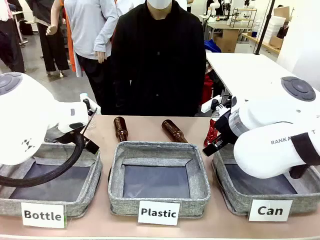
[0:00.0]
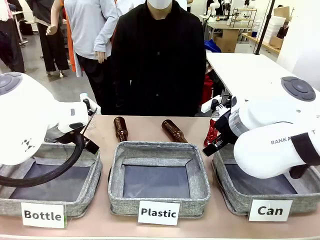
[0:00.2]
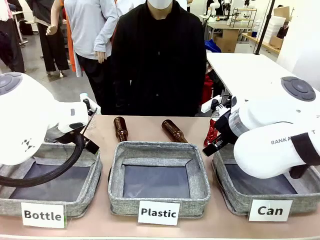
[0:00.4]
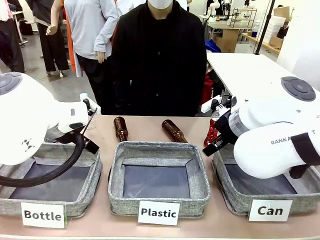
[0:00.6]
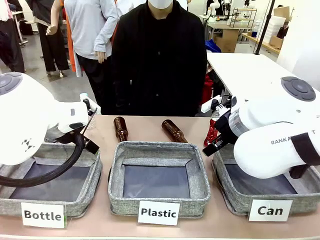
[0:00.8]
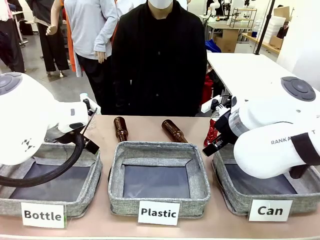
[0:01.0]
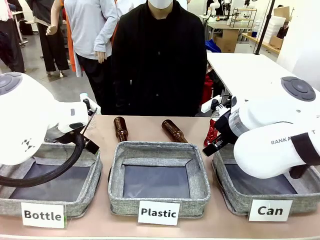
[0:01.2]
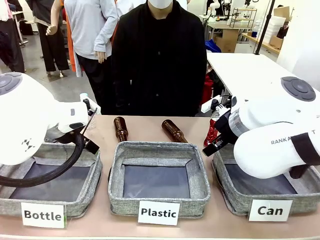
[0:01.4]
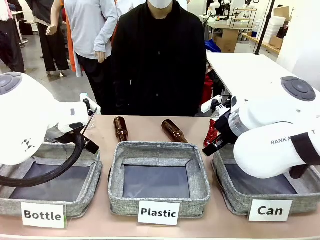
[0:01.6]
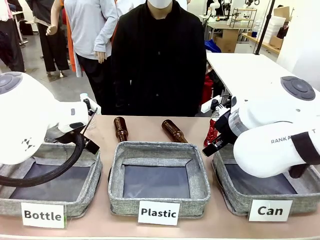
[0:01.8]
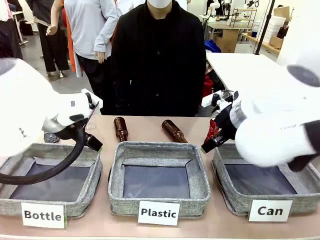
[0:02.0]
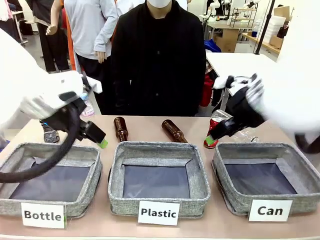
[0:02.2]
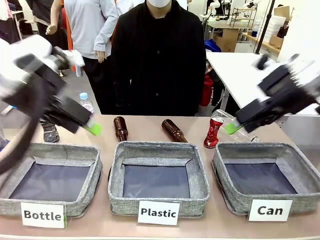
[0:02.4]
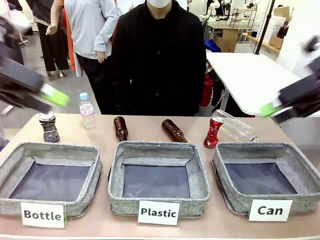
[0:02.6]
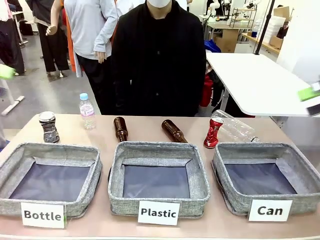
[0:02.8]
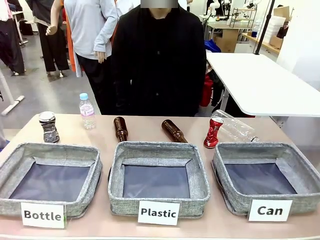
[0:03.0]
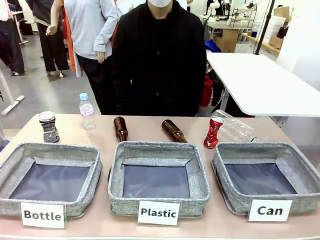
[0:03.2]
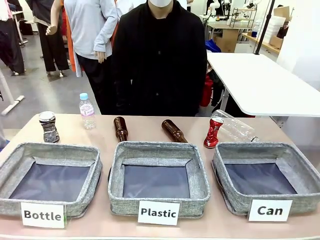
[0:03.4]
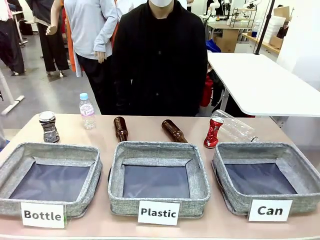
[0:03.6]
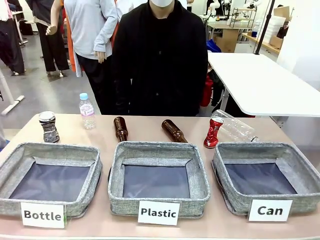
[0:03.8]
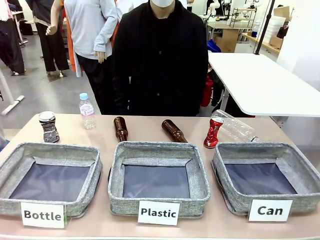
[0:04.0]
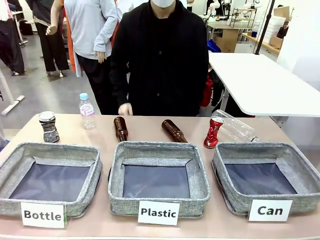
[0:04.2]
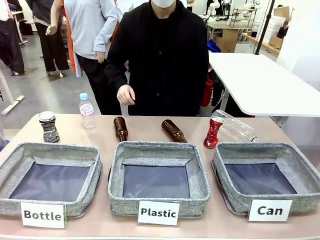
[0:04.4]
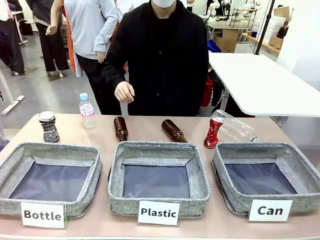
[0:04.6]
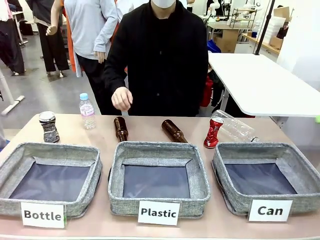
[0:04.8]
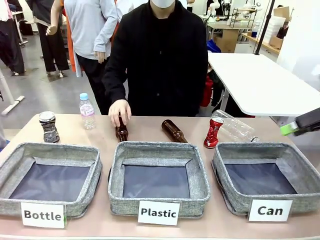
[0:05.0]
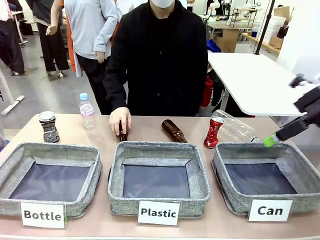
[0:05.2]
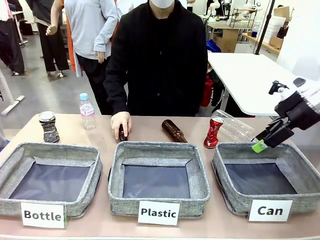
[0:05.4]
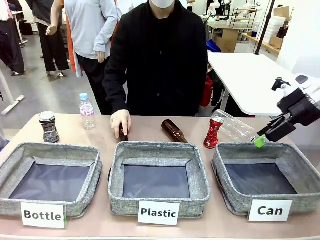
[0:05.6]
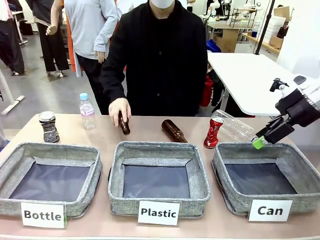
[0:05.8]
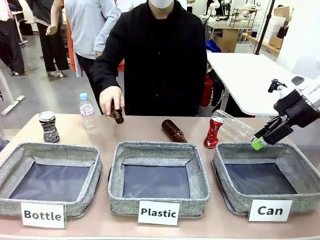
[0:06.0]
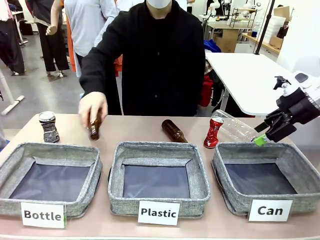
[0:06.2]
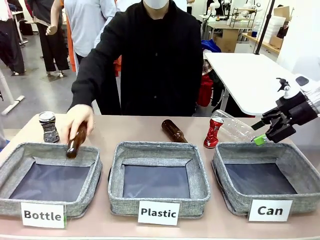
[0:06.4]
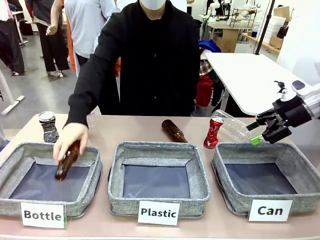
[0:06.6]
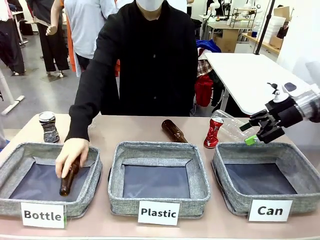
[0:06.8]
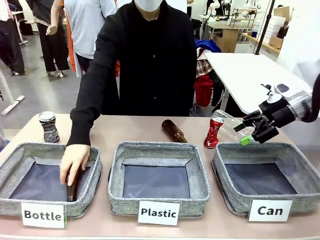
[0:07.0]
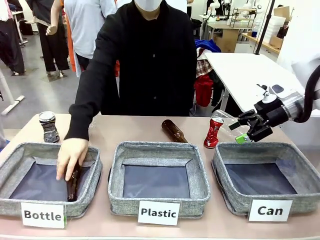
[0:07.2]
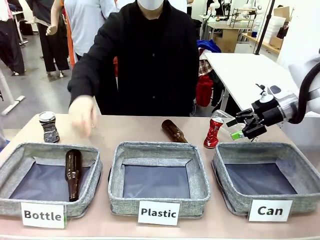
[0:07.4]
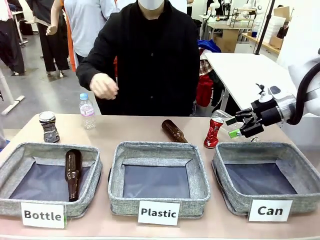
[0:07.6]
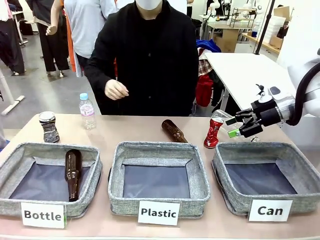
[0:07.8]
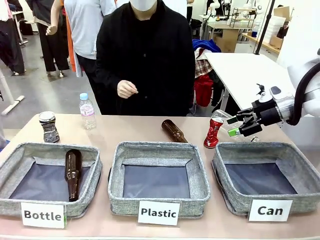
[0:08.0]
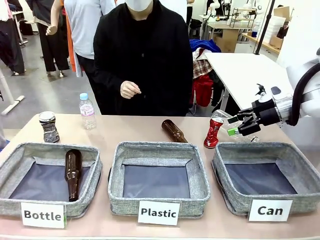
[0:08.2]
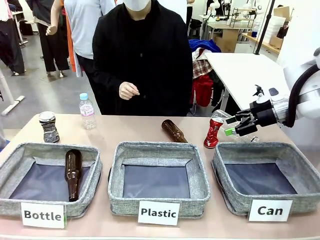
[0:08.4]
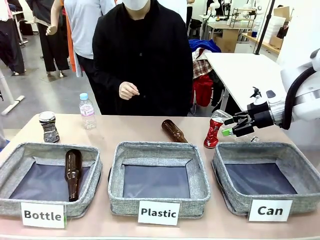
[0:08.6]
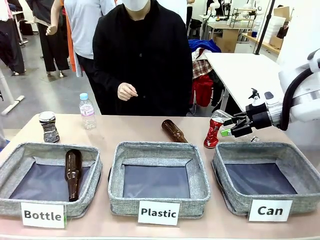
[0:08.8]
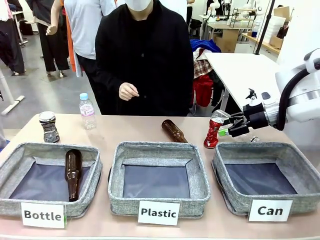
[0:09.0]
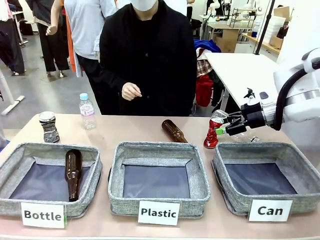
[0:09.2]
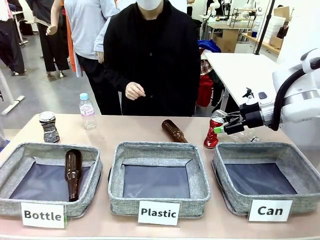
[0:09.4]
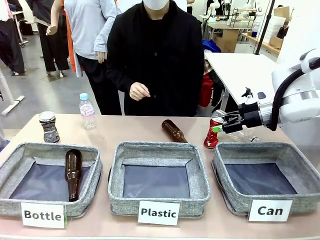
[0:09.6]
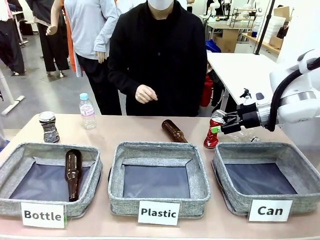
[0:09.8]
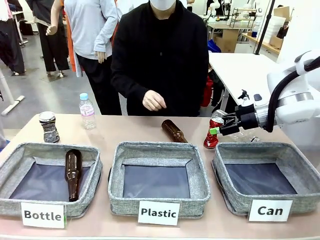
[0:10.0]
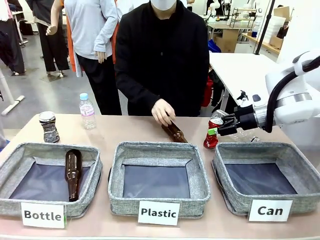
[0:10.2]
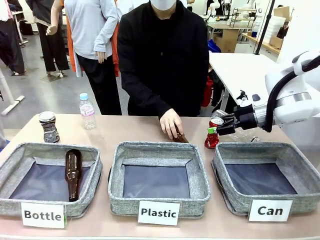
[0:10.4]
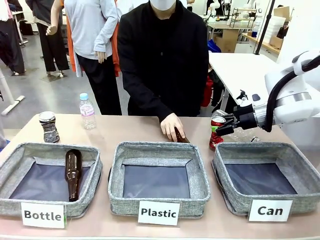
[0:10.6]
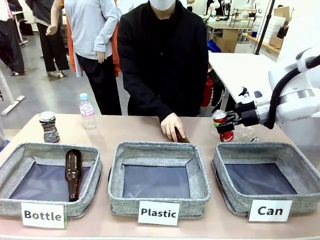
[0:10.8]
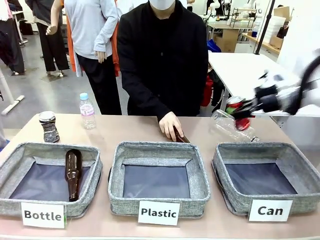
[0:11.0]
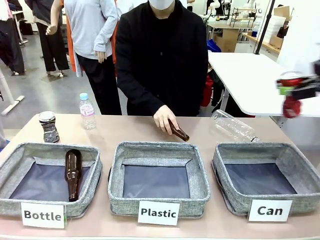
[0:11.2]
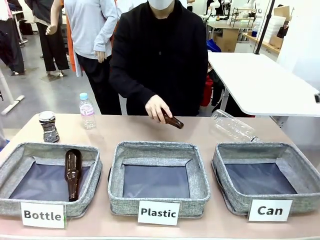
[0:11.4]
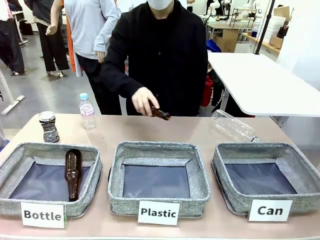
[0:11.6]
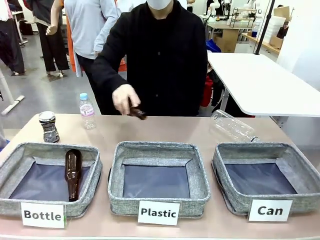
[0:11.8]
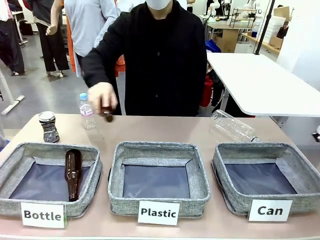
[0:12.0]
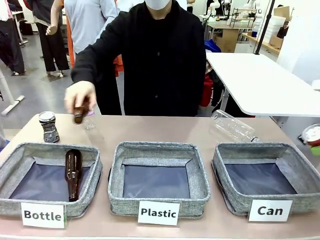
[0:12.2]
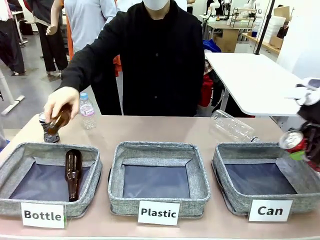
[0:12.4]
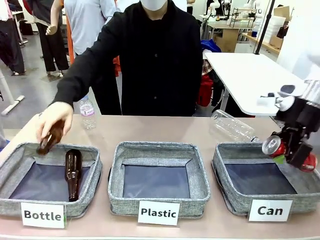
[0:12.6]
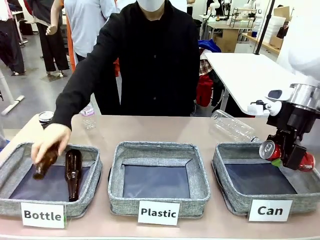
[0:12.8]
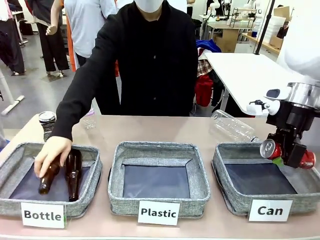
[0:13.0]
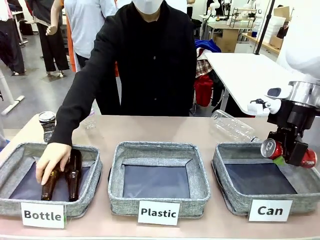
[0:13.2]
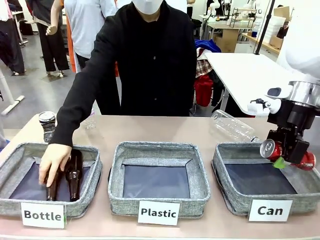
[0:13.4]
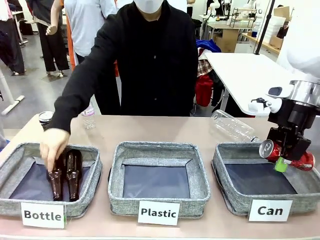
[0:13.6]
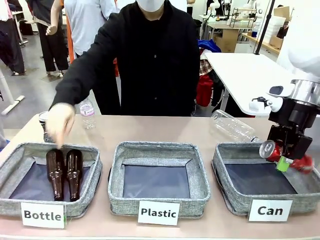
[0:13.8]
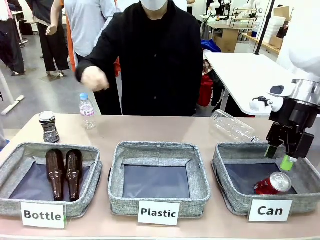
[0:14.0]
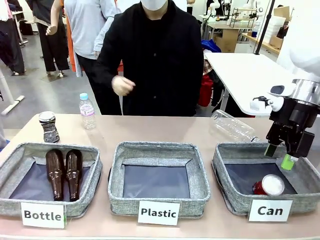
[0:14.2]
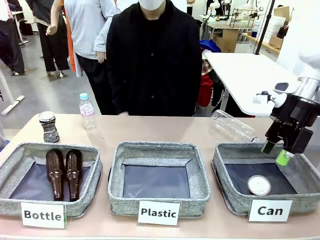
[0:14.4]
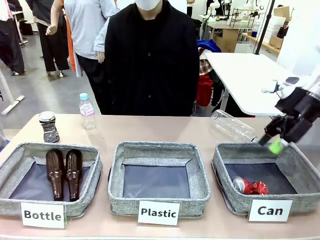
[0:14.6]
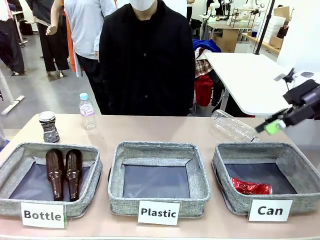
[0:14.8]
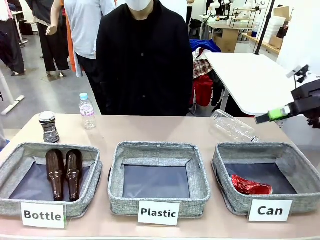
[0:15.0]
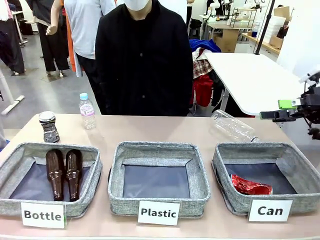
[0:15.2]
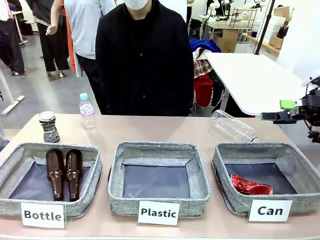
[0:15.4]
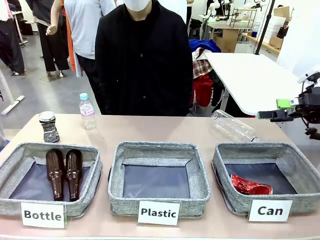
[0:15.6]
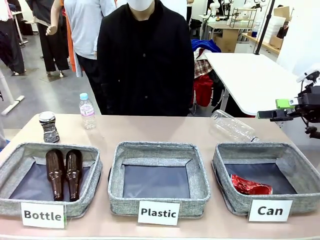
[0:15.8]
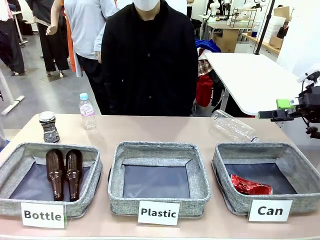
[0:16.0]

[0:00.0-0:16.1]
Task: Sort the can waste into the basket.
Robot: Pick up the can waste from the table and place it in the right Fabric basket.
